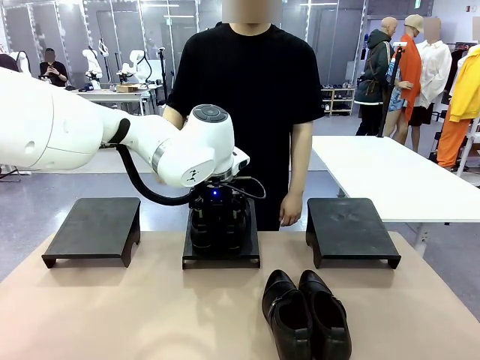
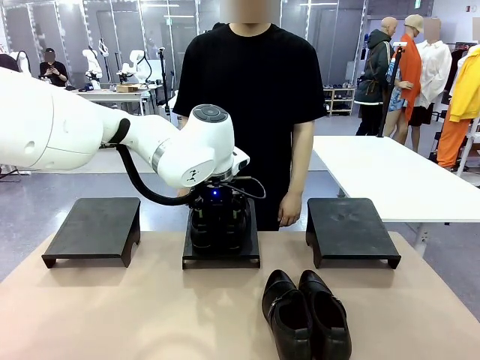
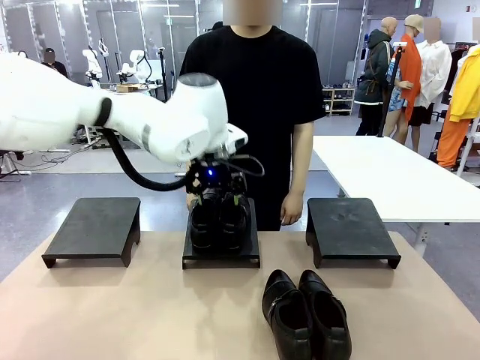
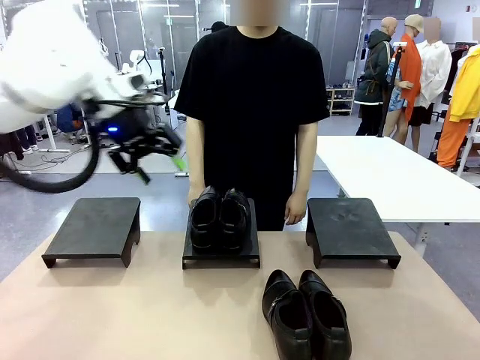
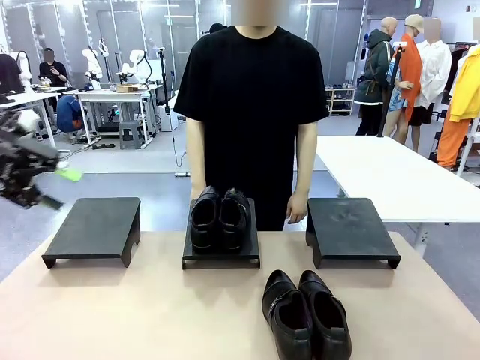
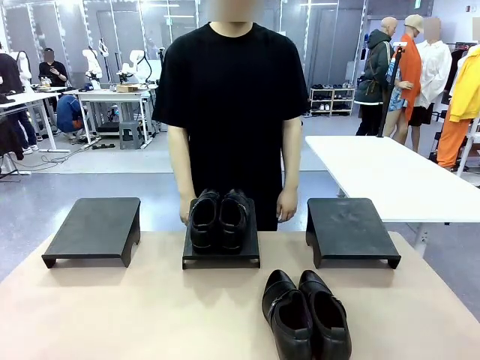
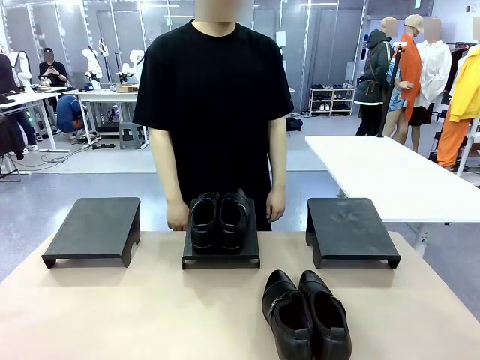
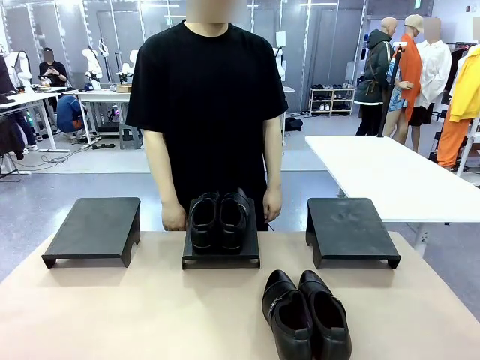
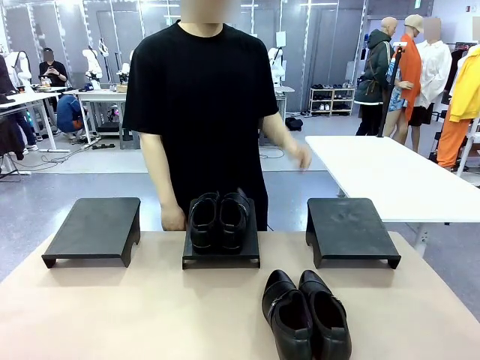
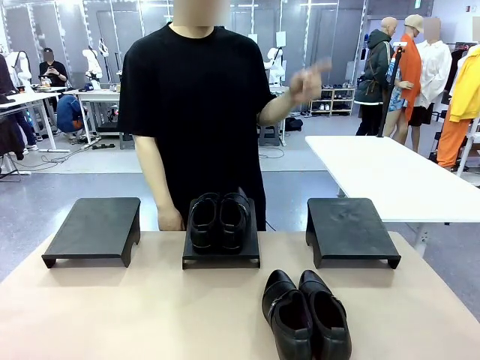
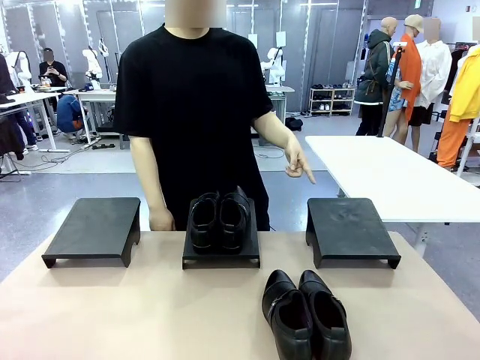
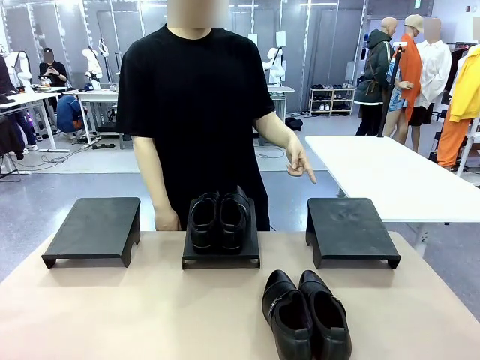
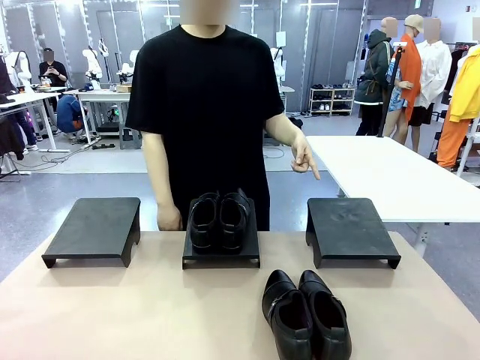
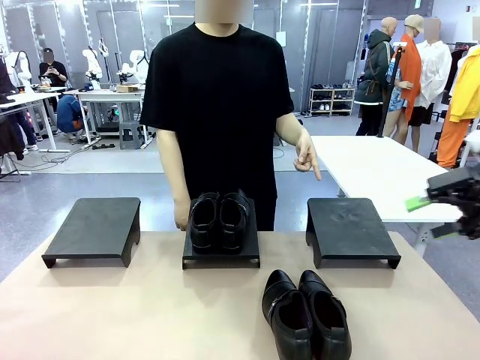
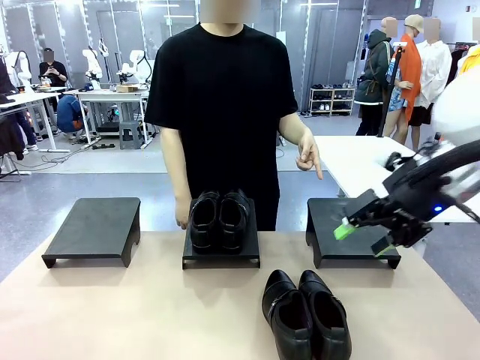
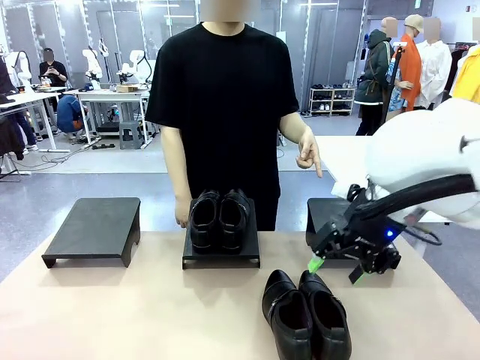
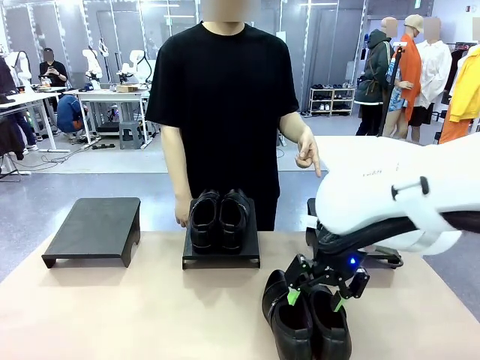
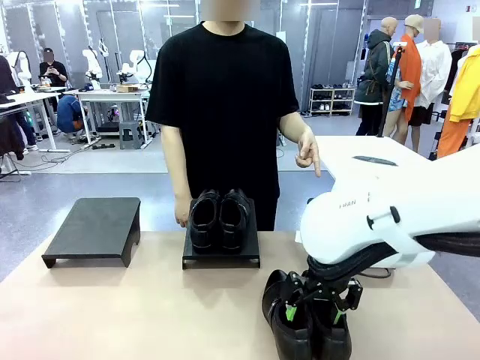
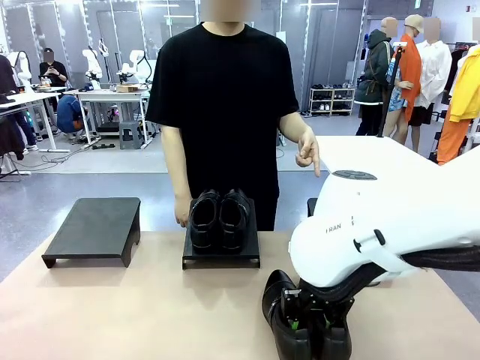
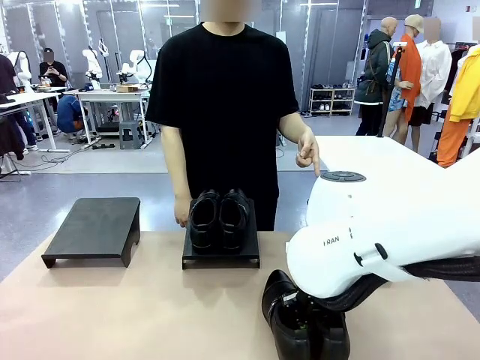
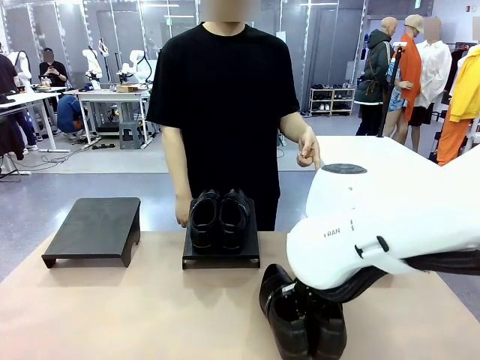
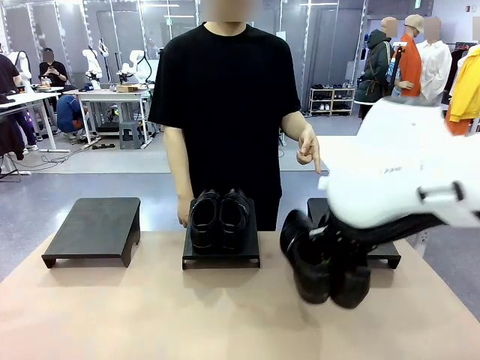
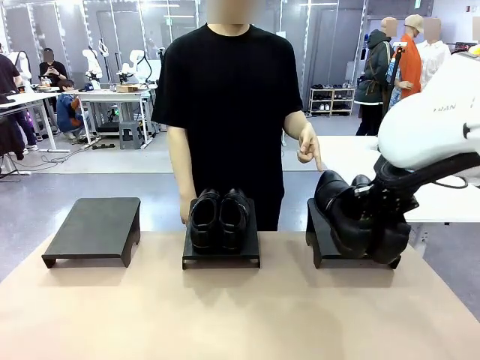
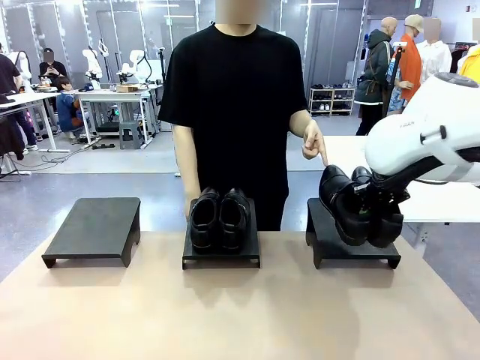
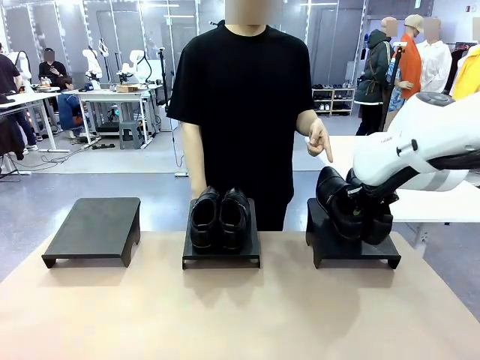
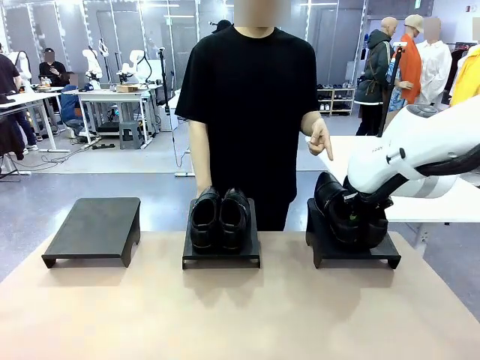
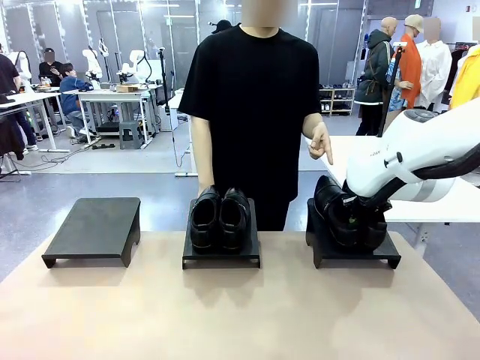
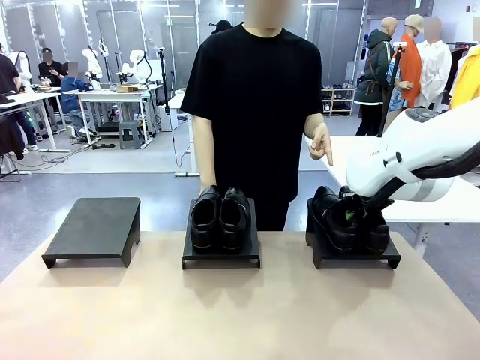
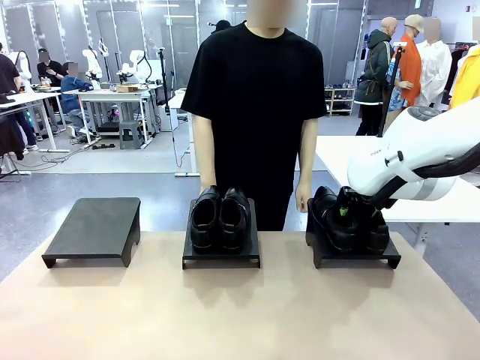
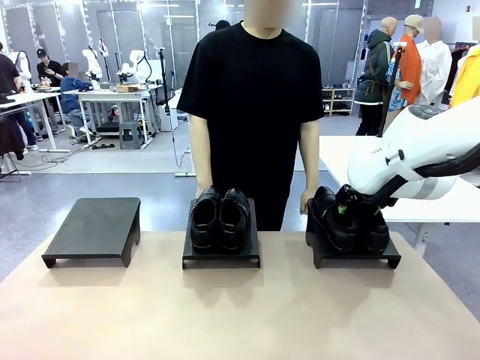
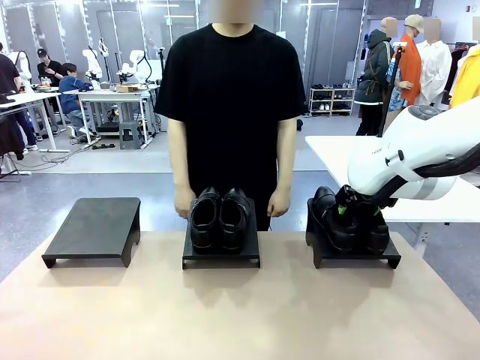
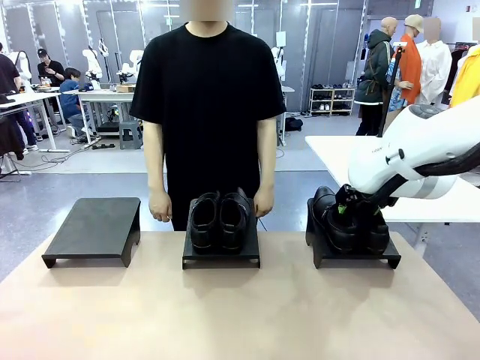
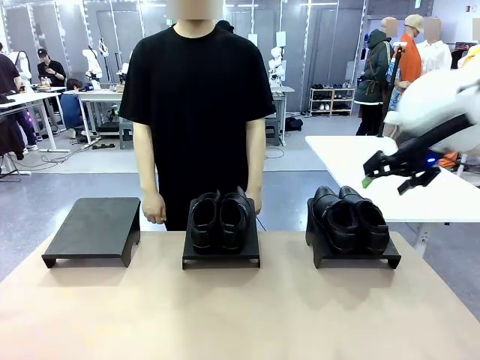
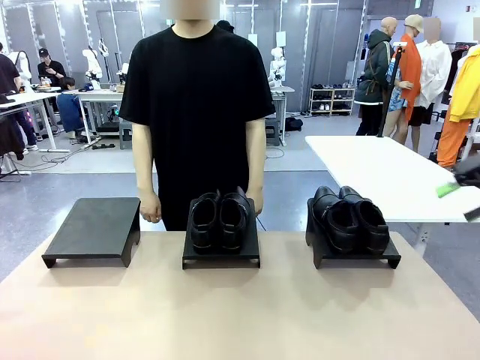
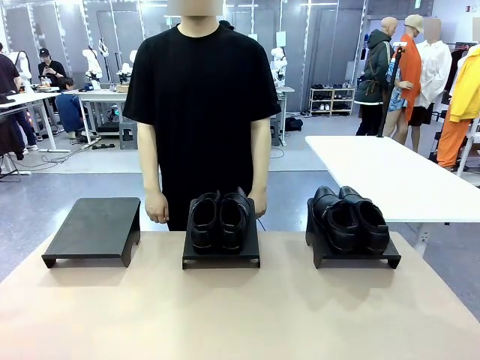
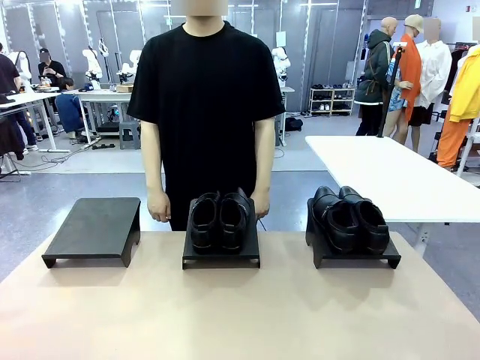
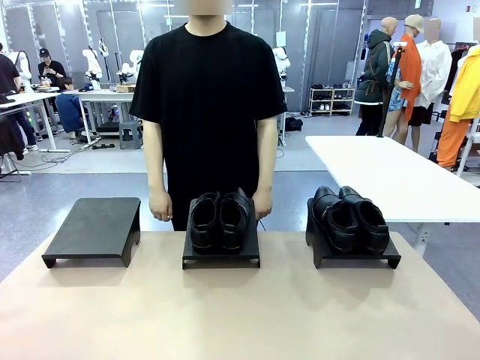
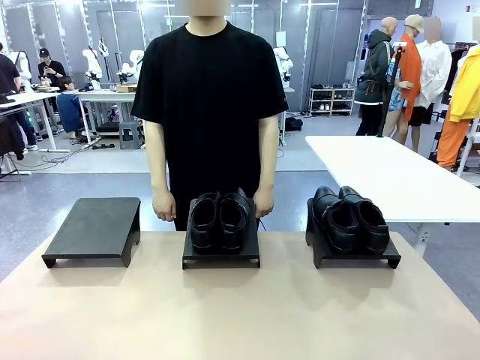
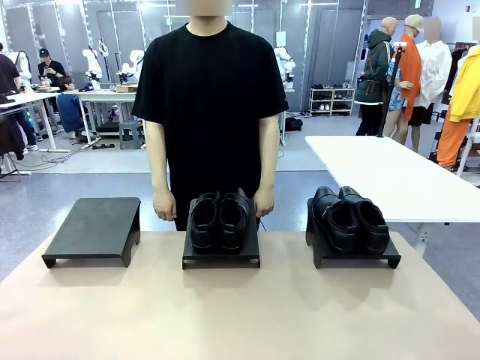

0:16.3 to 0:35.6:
Task: Place the shoes on the stand as instructed by the person.
Robot: Pick up another pair of Shoes and place it on the Shoes Stand indicated by the person.
Person: Point to one Shoes Stand.
